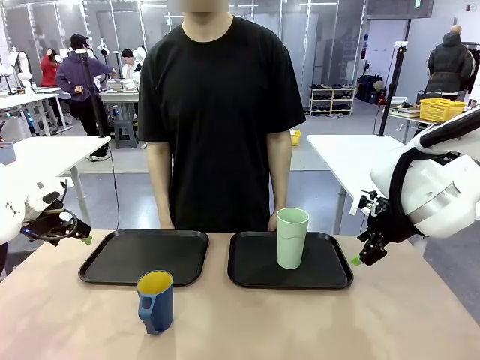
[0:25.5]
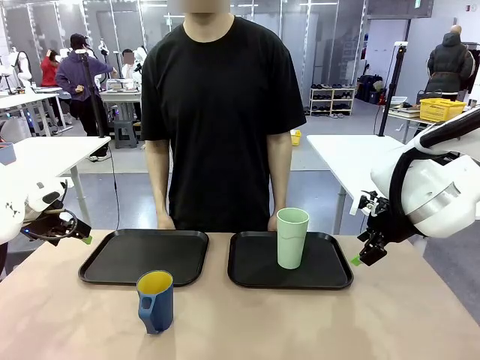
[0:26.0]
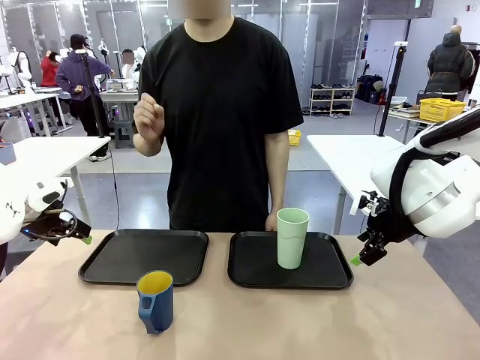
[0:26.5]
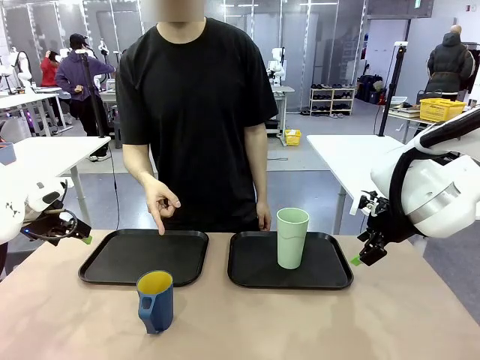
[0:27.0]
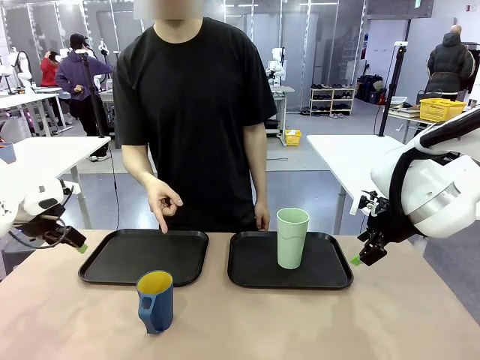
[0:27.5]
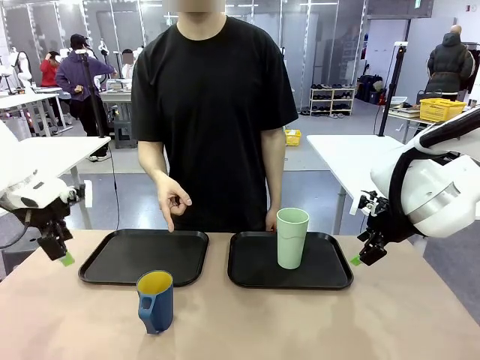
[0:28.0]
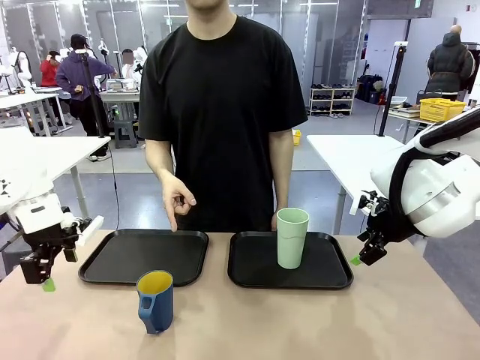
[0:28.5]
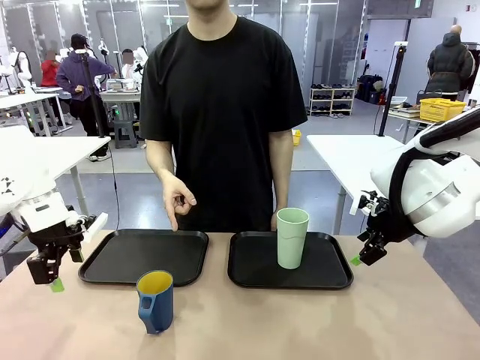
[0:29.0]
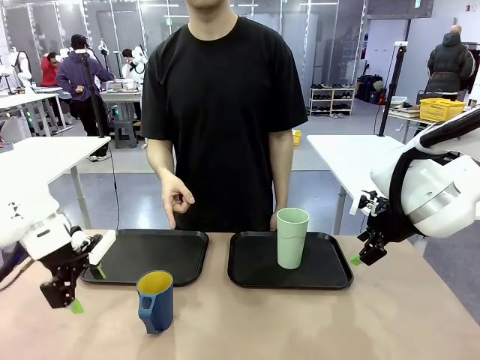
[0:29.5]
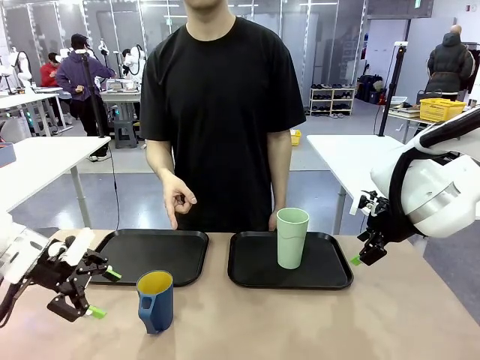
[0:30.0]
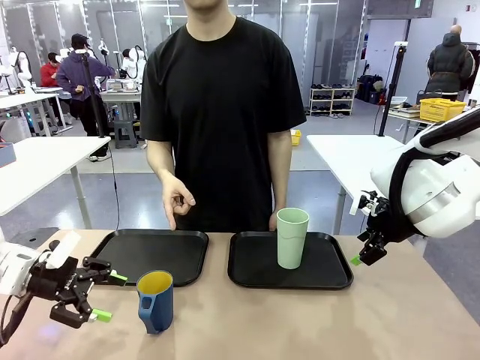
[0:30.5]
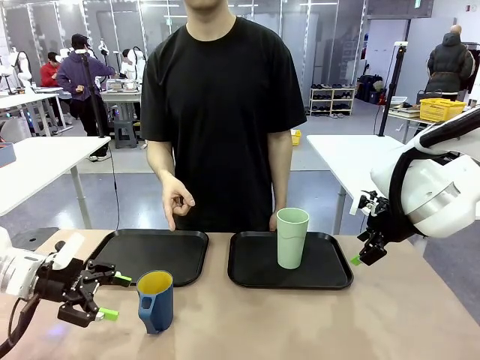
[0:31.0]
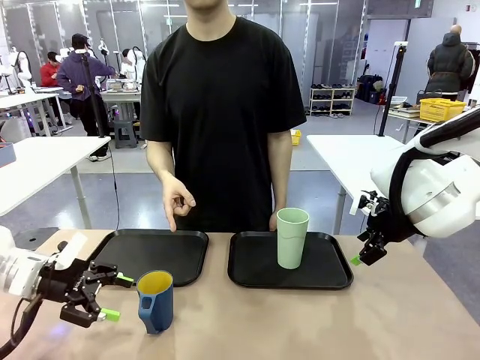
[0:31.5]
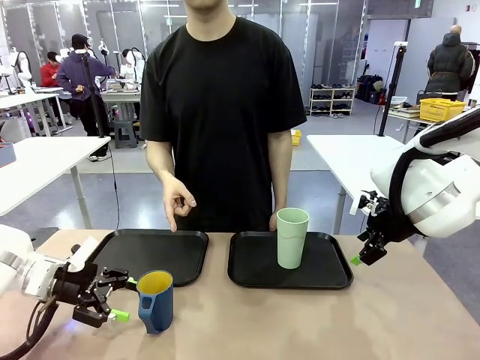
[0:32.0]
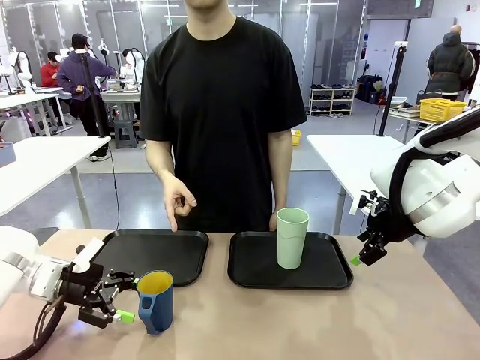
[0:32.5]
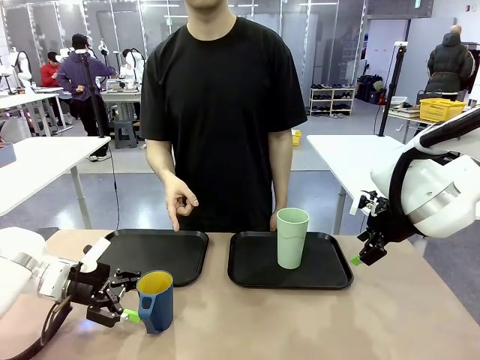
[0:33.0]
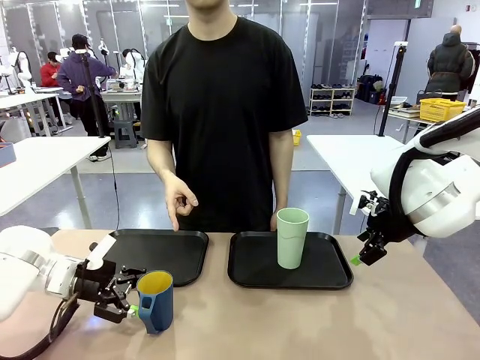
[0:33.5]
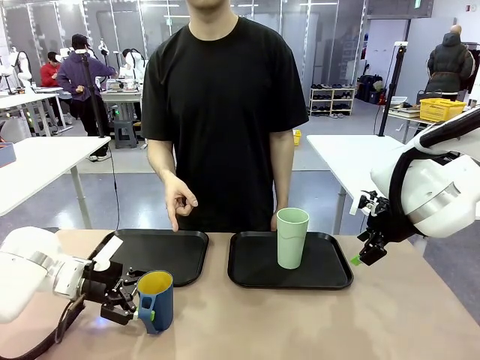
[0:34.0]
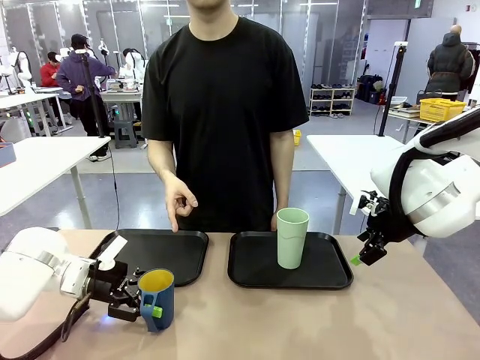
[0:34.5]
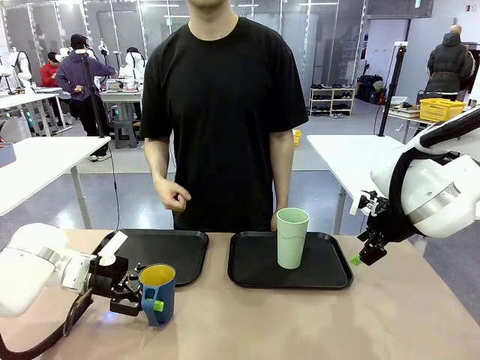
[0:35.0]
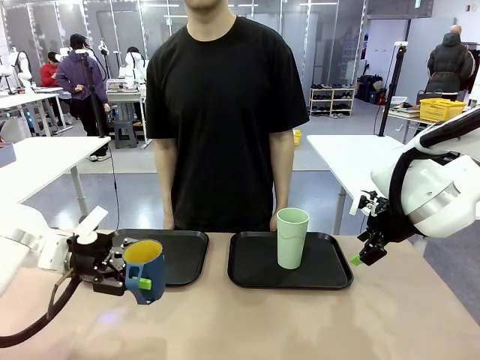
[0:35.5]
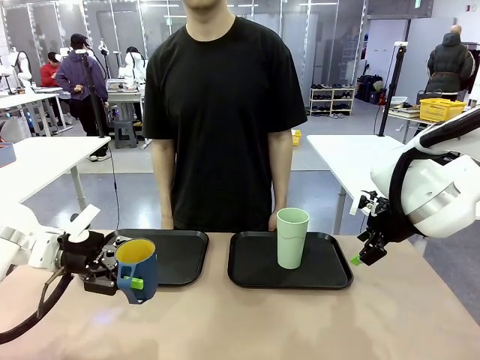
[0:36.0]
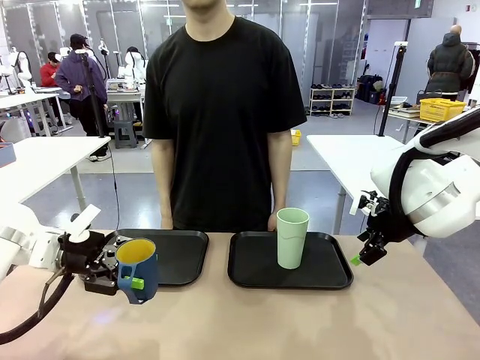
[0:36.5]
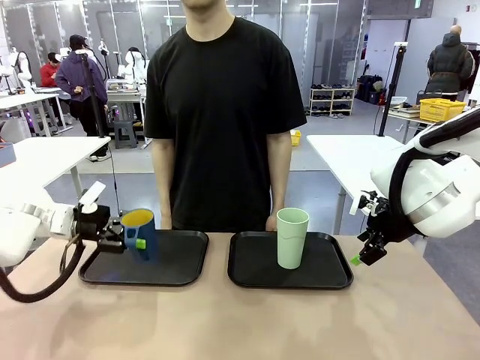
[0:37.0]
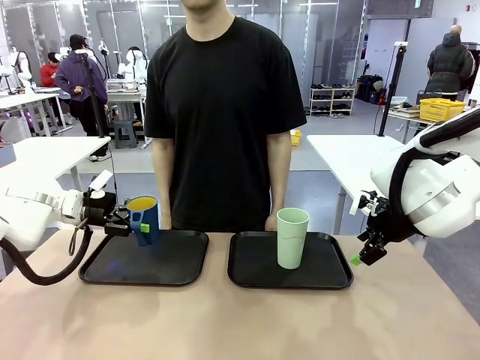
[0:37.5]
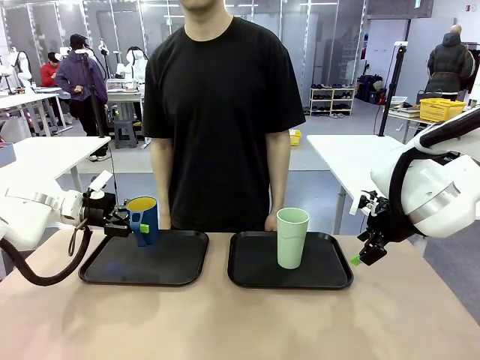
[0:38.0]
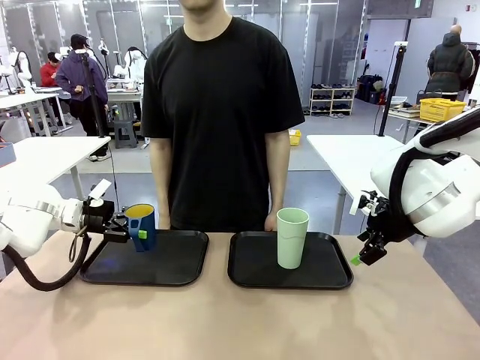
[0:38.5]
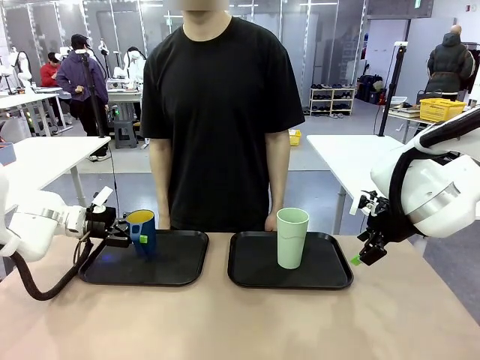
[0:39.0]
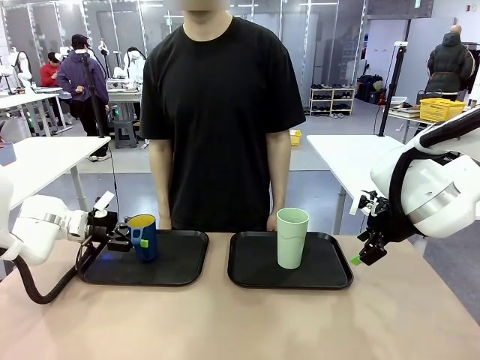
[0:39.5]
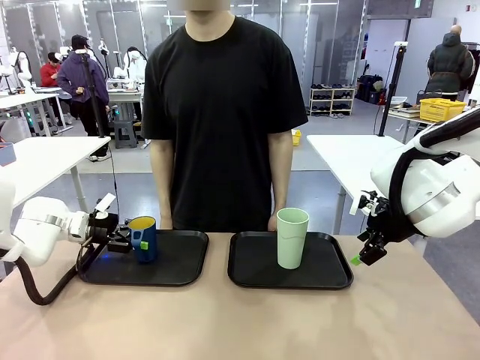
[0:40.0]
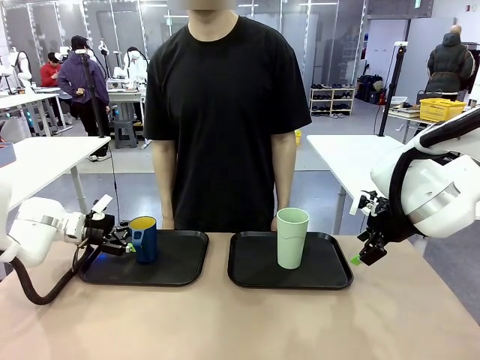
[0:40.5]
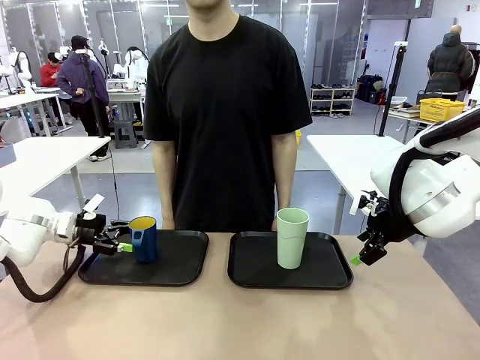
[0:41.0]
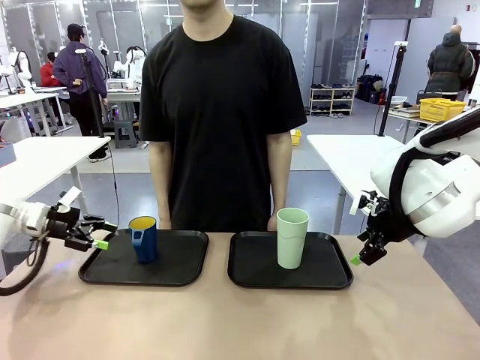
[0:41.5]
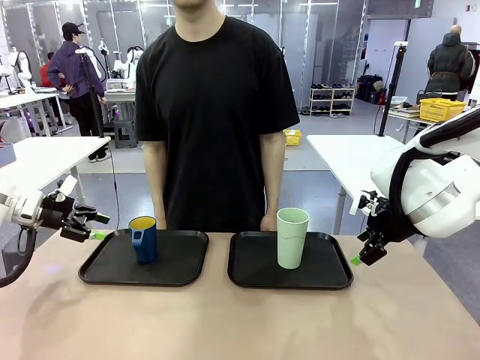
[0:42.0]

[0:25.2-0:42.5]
Task: Sort and store the cups by type.
Robot: Pick up the Handle plastic cup and place it into the empty Flat Tray.
Person: Points to the cup with a handle.

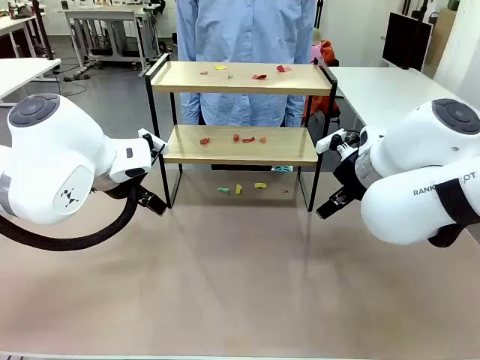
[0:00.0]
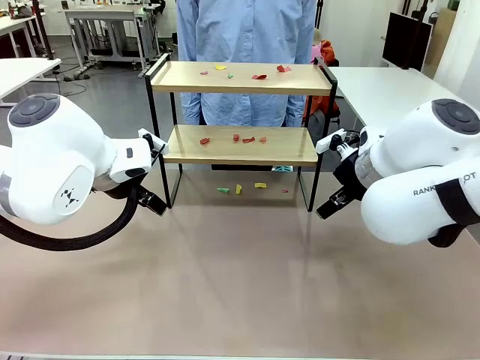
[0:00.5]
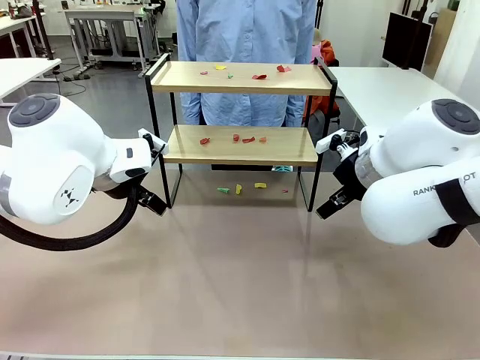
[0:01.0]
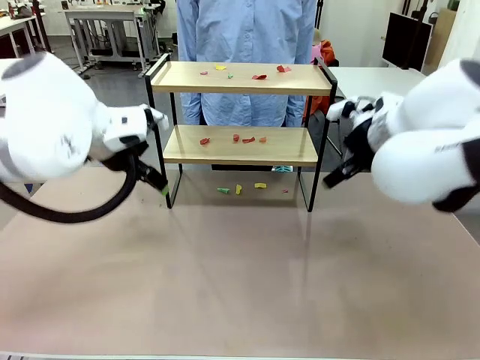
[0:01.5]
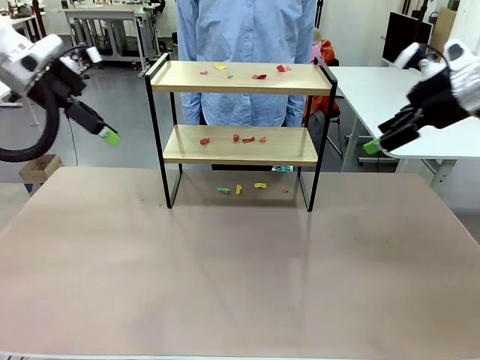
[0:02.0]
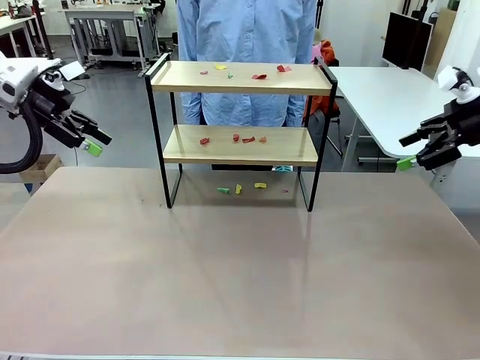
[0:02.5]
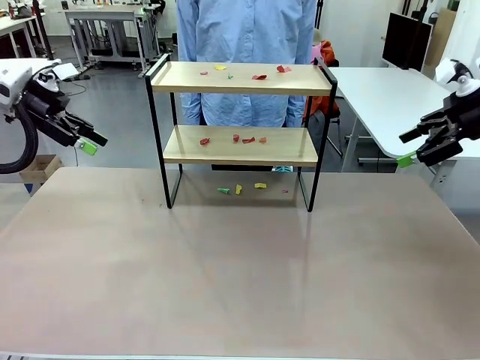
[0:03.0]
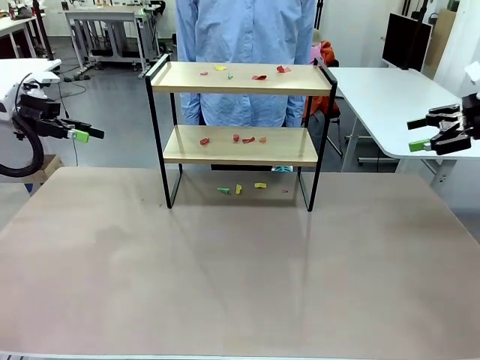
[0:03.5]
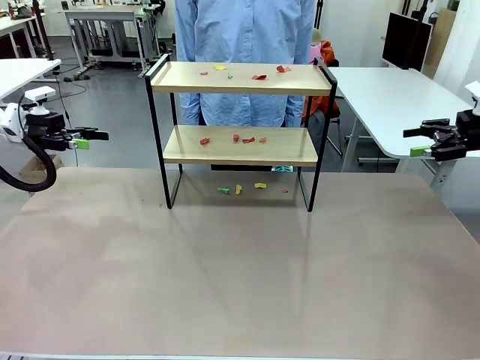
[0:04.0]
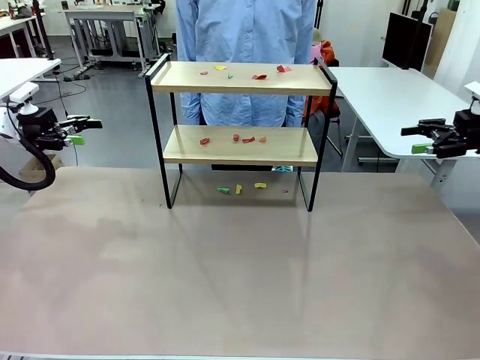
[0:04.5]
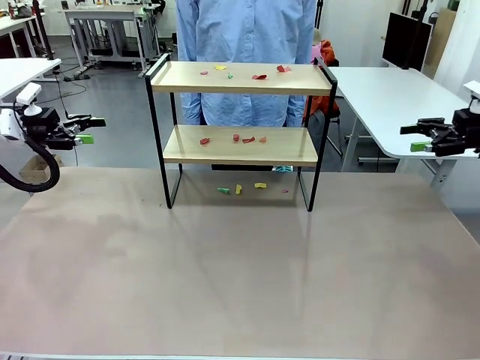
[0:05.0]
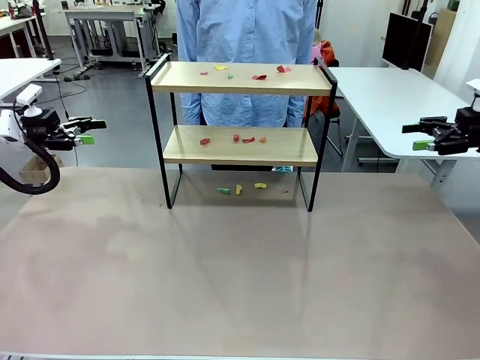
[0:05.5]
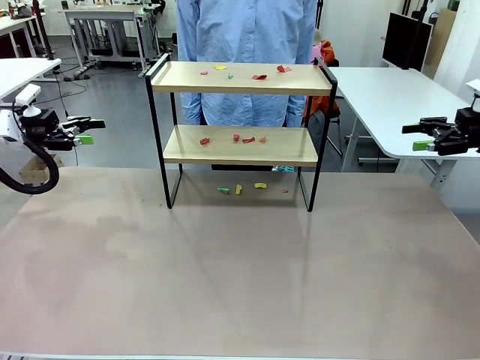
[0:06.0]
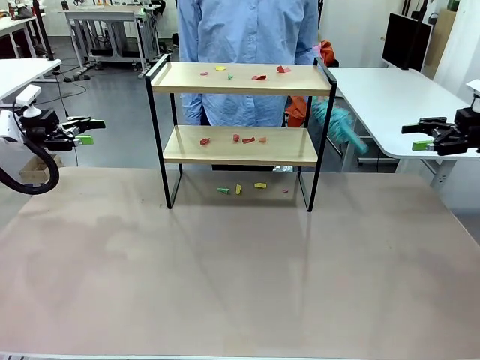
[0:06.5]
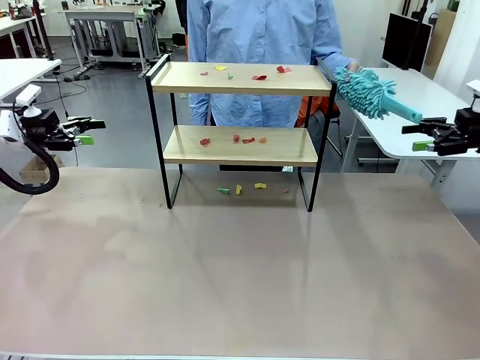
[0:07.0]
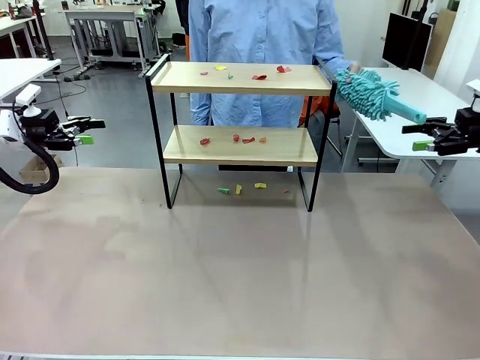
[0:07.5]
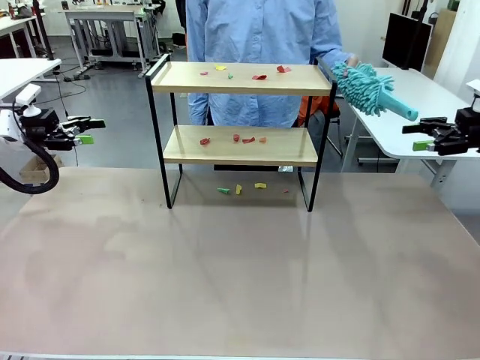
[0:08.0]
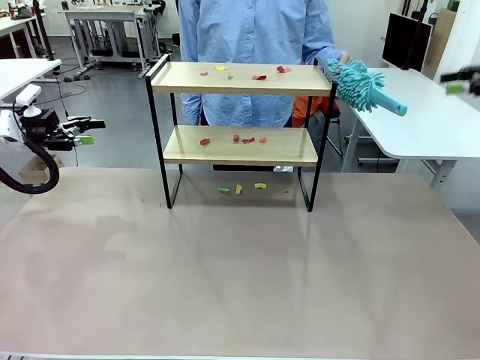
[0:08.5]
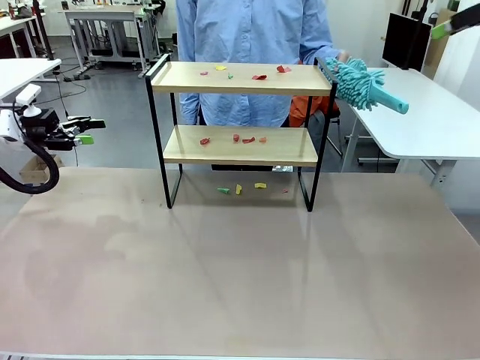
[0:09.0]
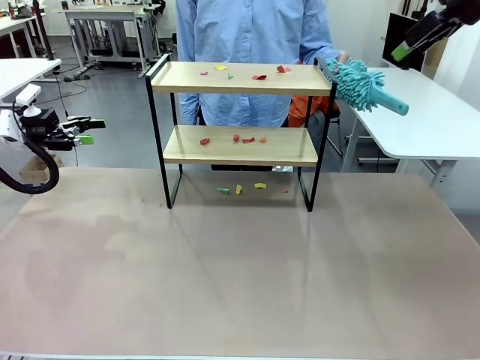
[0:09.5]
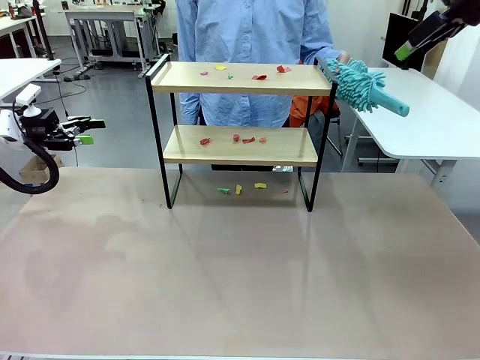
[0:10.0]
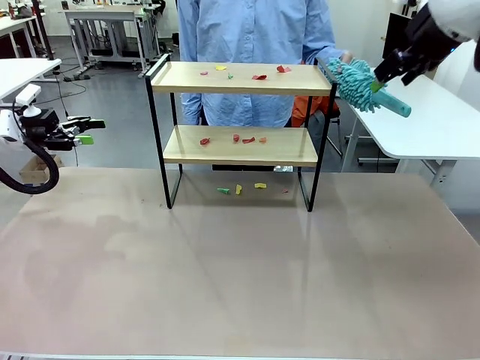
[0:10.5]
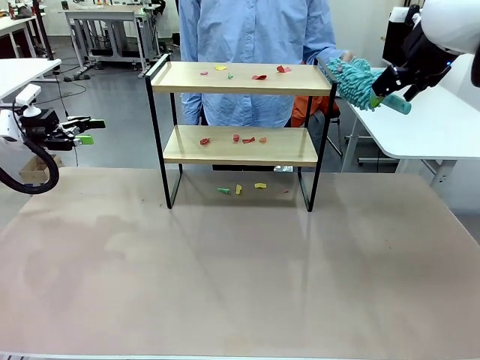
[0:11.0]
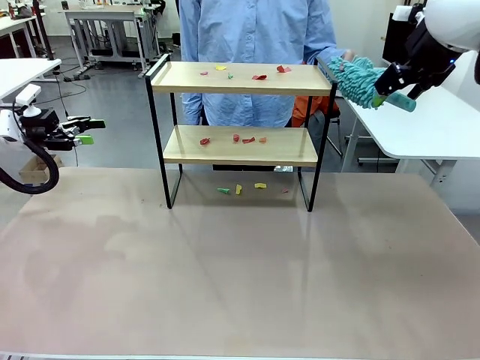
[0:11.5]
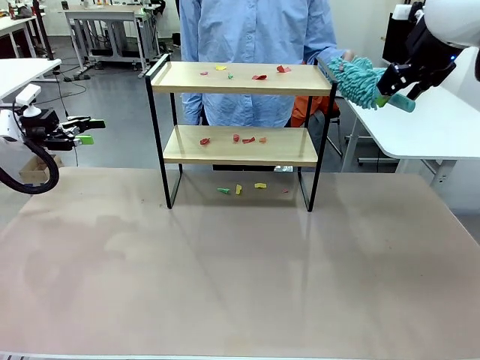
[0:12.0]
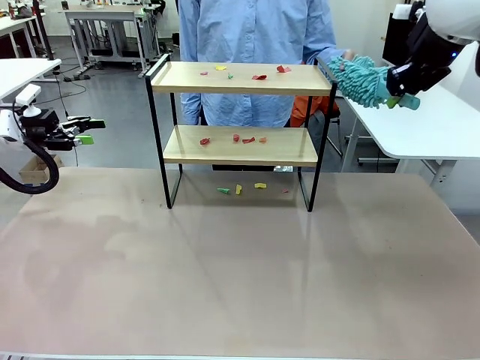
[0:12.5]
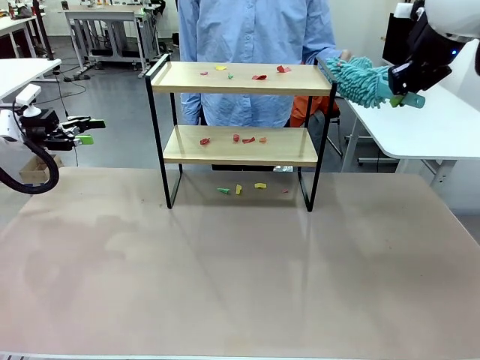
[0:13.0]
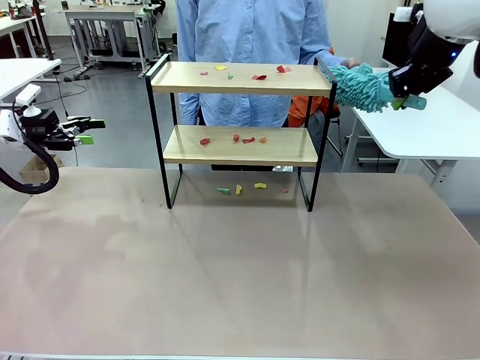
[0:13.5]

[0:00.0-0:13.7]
Task: Clean the shelf.
Robot: Pick up the Duster handed by the human.
Person: Hand the Duster to the robot.
